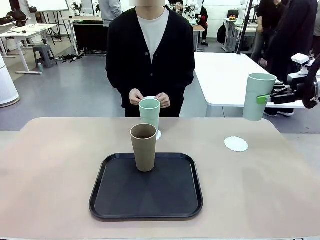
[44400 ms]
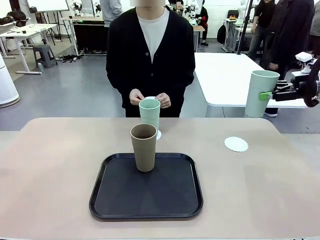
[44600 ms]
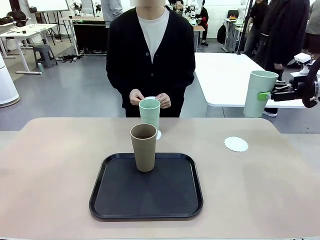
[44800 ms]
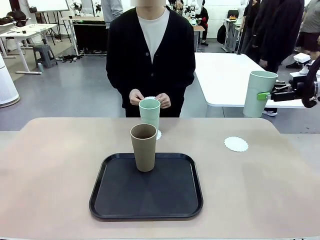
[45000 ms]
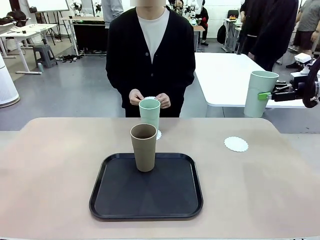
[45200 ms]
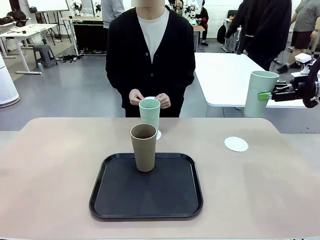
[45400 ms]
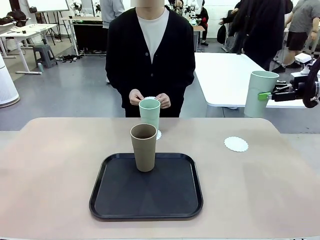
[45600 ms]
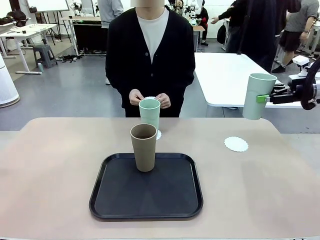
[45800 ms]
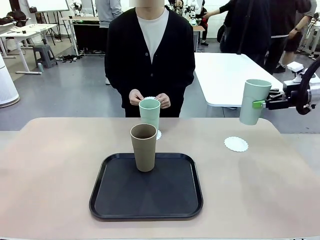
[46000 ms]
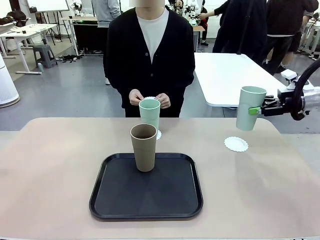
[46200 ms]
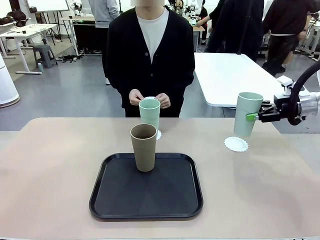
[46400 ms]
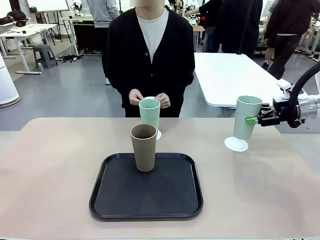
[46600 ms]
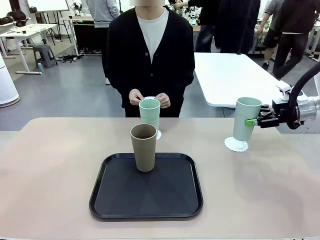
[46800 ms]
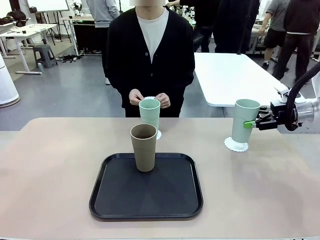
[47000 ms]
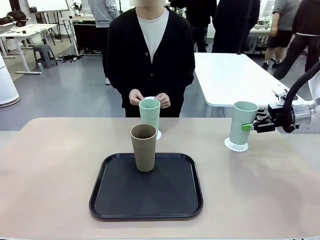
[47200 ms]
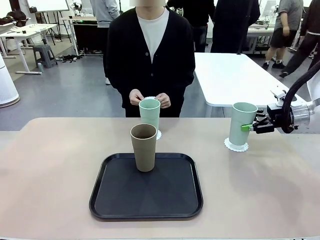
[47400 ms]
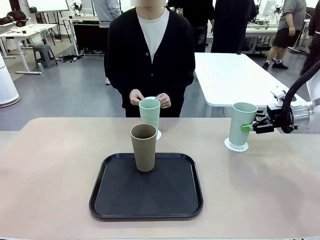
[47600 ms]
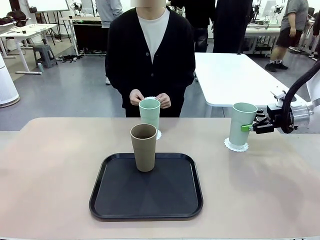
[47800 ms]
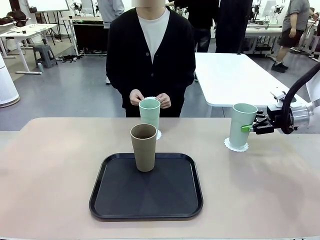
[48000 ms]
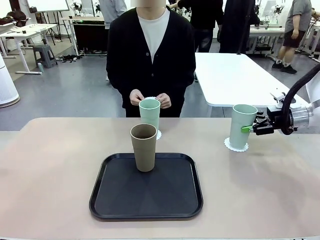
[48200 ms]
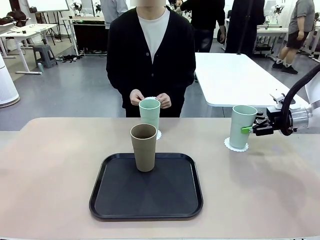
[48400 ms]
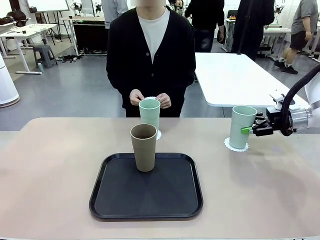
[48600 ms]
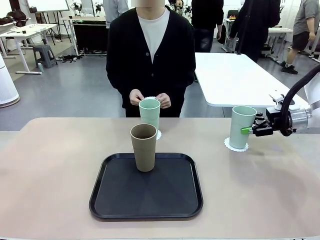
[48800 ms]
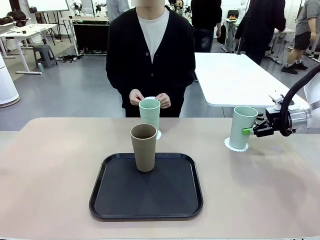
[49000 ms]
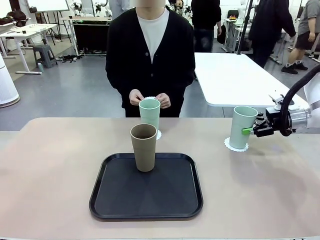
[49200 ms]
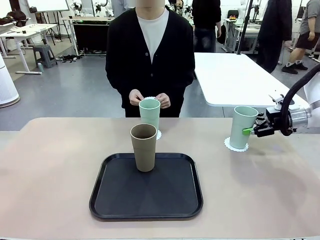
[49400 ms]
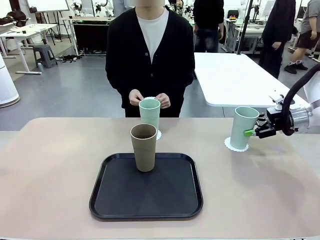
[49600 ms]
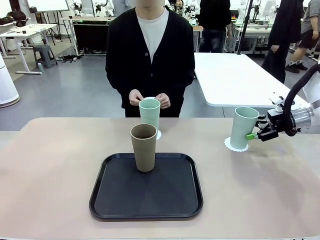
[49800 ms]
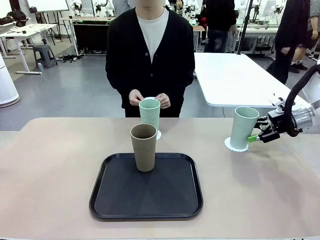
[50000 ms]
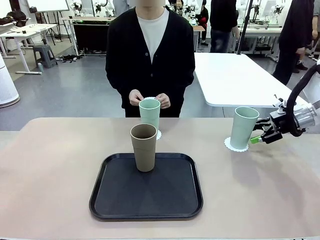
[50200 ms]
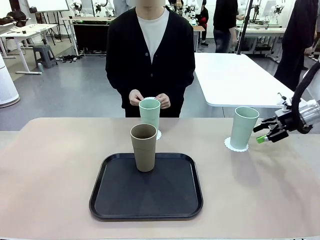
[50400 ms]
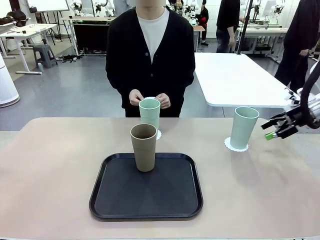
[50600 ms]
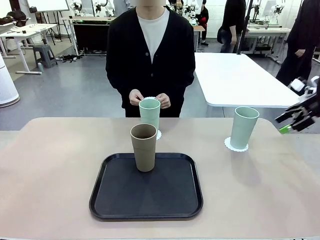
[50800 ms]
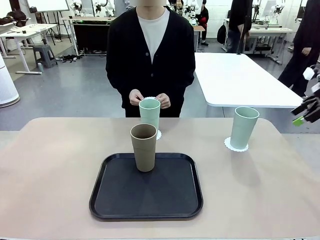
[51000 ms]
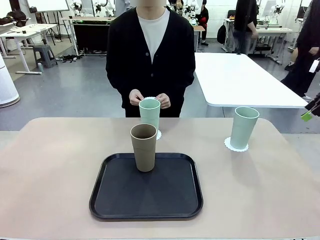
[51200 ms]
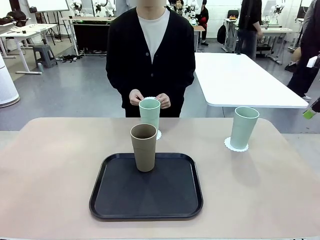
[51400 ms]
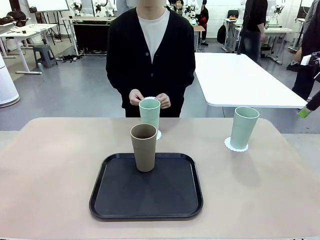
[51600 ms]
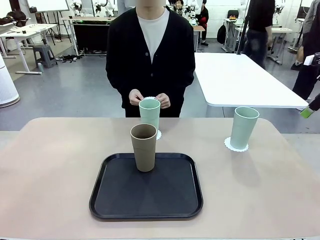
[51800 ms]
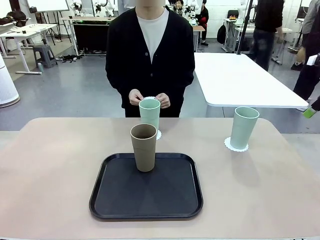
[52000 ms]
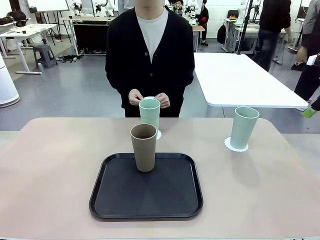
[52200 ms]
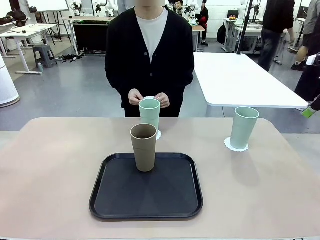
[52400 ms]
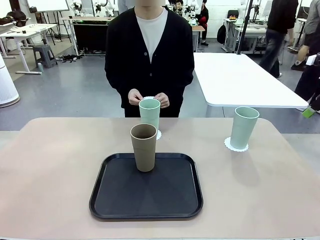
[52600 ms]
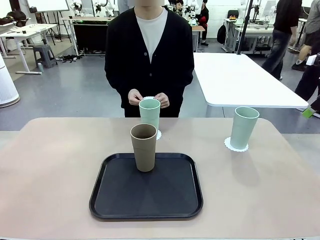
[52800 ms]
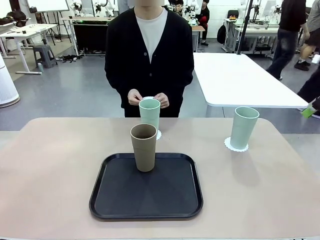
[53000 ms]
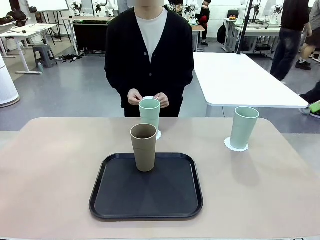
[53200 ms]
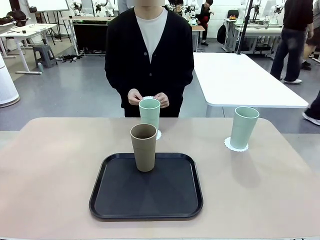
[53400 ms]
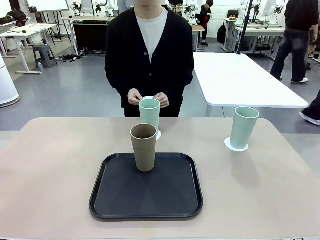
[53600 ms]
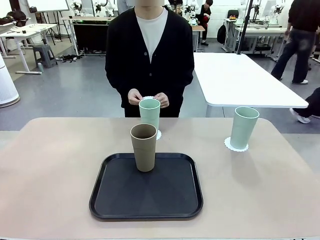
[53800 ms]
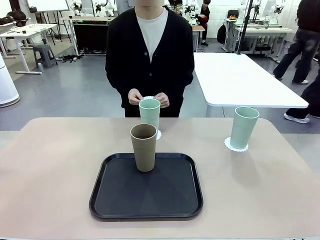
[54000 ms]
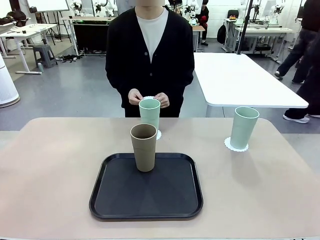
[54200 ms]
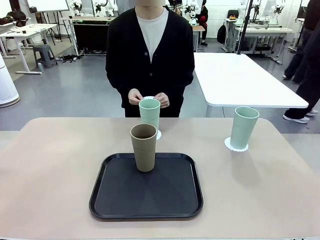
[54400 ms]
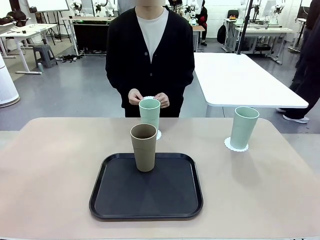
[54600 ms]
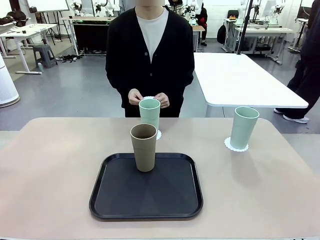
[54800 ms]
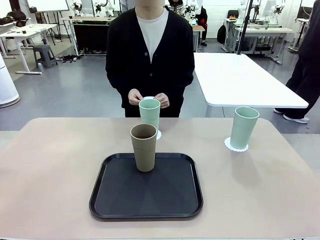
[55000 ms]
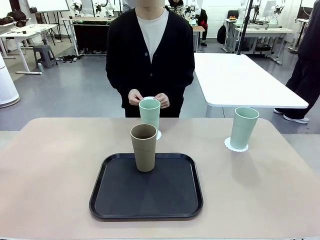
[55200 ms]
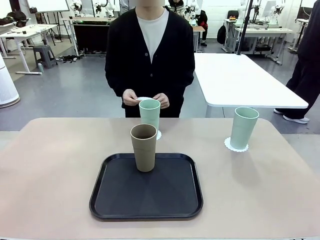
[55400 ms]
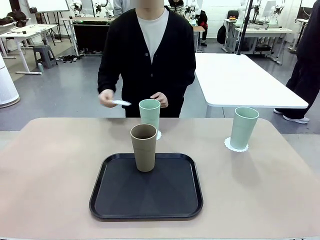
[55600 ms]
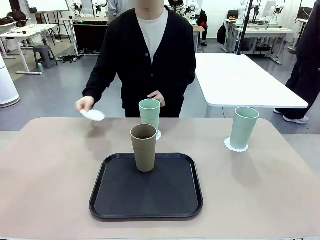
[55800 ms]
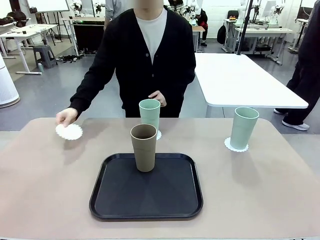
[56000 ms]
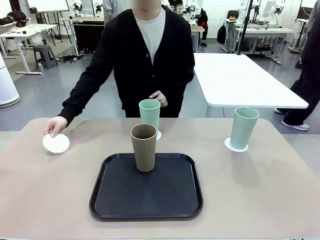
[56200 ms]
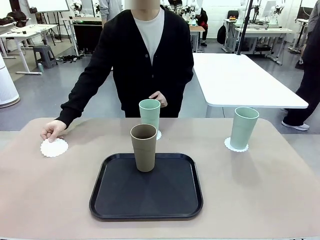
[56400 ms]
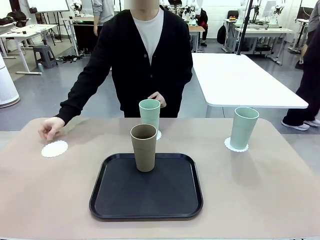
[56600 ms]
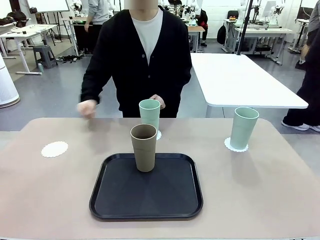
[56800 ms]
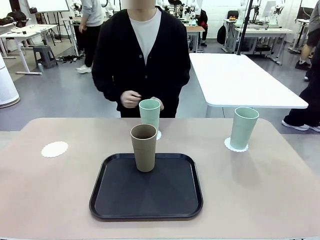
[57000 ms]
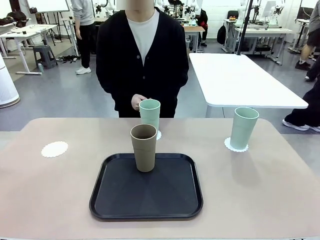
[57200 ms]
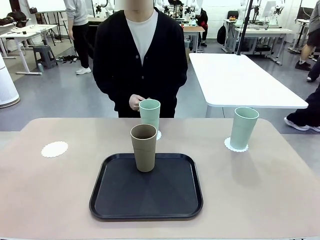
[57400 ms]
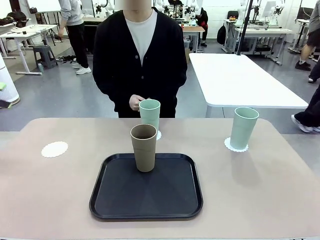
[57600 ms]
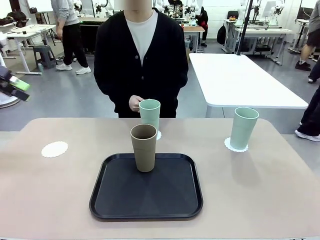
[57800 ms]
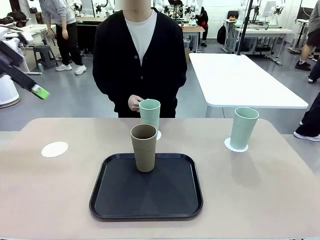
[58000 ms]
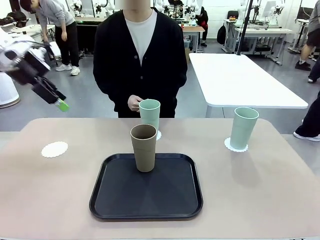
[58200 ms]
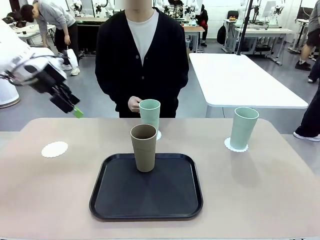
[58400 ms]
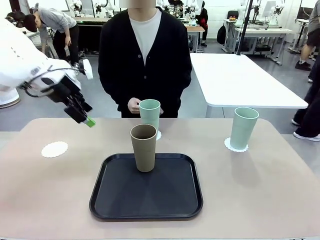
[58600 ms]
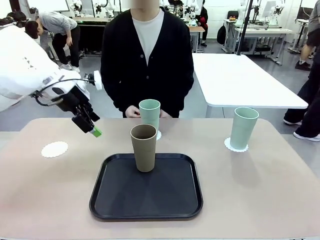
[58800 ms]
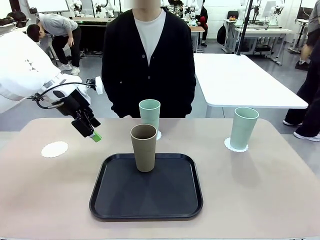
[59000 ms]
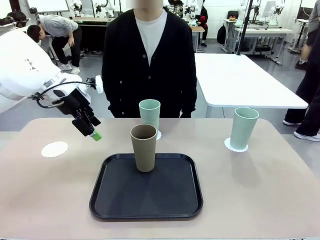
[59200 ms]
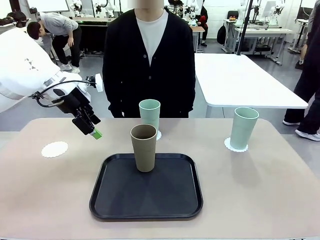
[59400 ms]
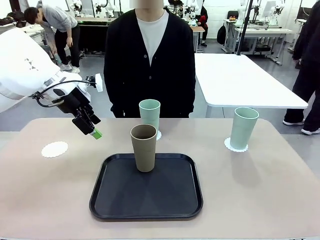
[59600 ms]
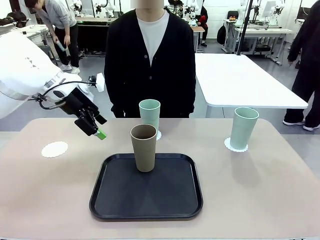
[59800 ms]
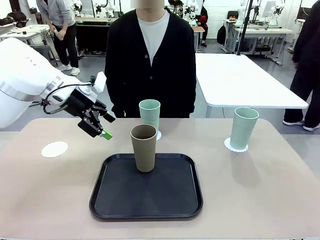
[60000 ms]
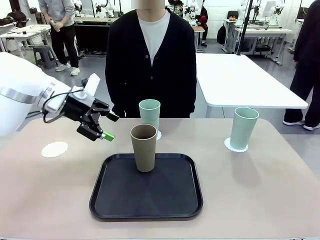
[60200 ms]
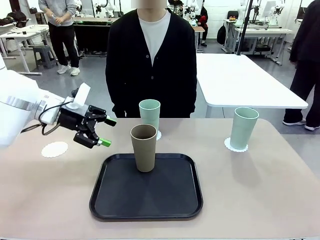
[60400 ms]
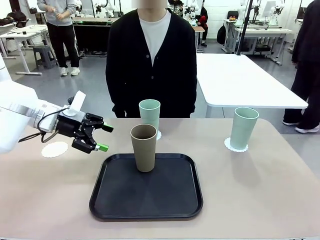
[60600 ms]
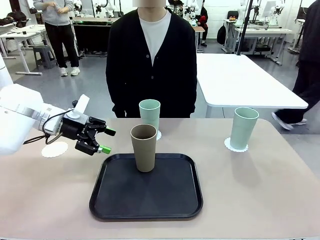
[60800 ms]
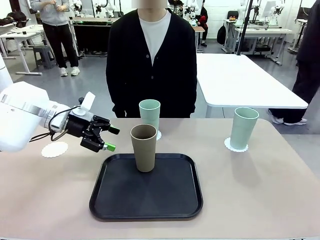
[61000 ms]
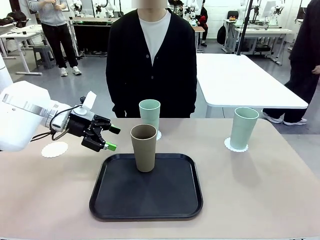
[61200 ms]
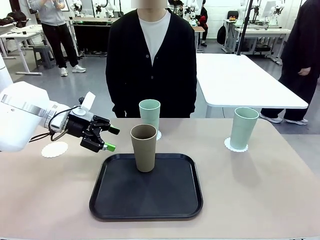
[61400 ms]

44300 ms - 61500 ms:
Task: Place coasters on the table and set cups on them.
Robot: Take one Reusable plastic cup from the Flat Tray and place it on a coaster set by the human.
